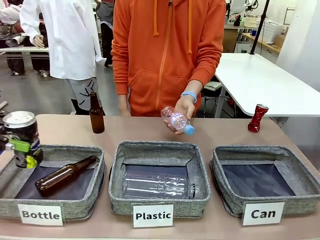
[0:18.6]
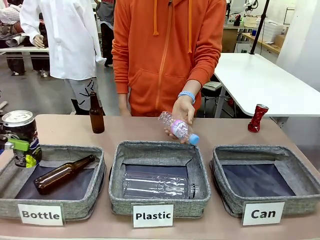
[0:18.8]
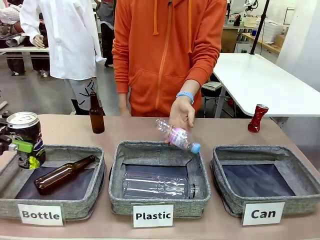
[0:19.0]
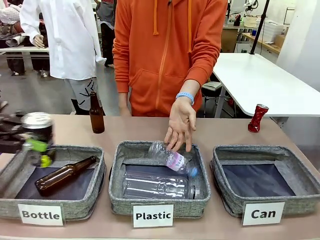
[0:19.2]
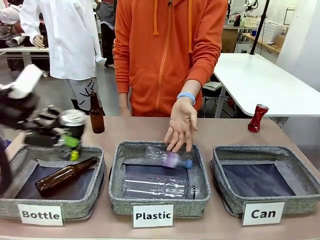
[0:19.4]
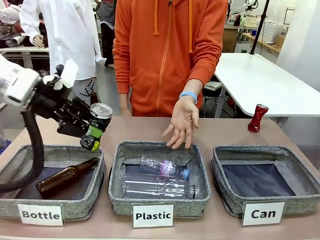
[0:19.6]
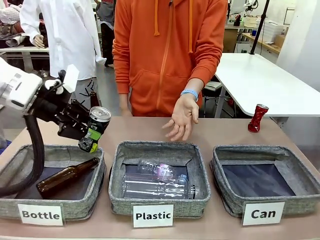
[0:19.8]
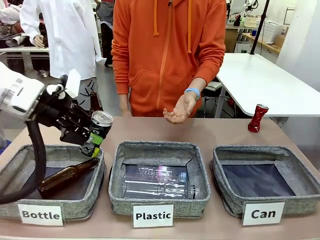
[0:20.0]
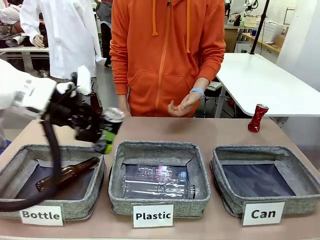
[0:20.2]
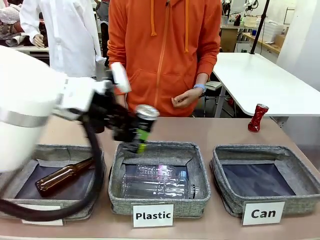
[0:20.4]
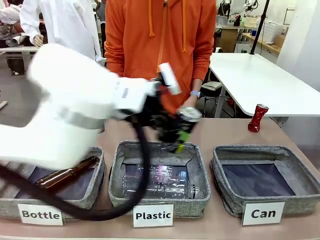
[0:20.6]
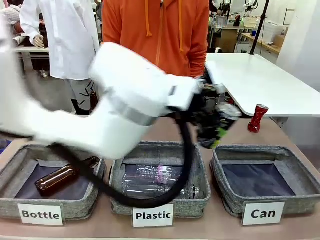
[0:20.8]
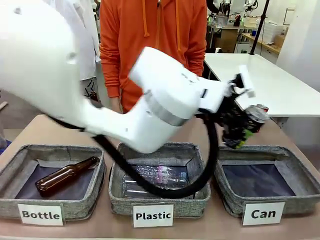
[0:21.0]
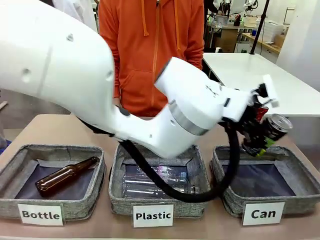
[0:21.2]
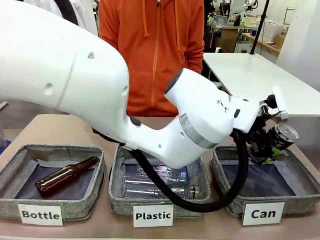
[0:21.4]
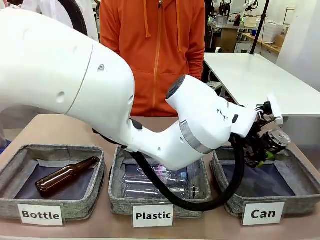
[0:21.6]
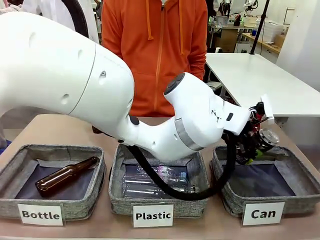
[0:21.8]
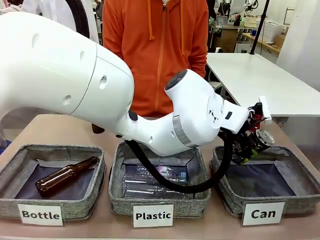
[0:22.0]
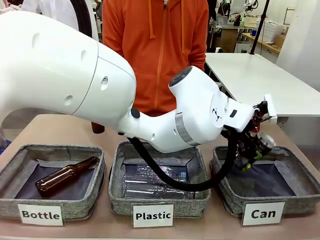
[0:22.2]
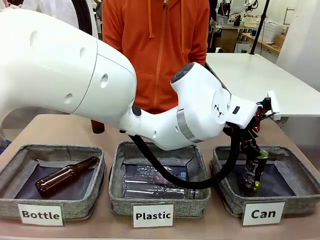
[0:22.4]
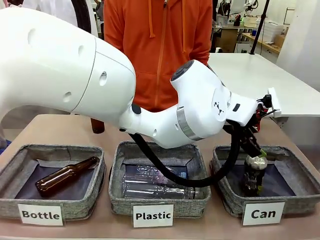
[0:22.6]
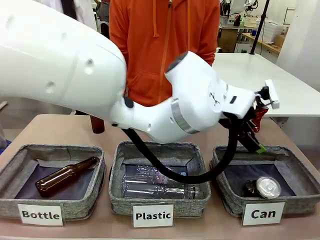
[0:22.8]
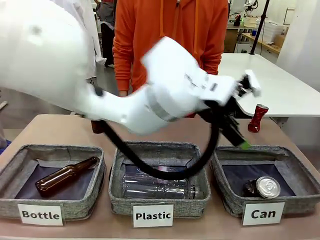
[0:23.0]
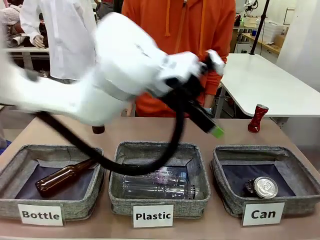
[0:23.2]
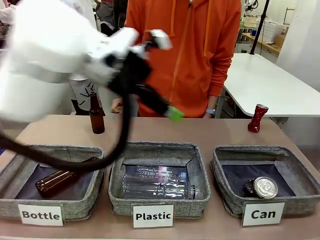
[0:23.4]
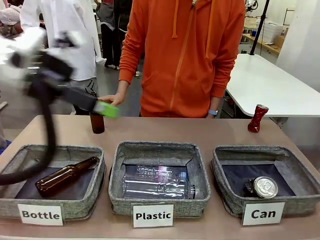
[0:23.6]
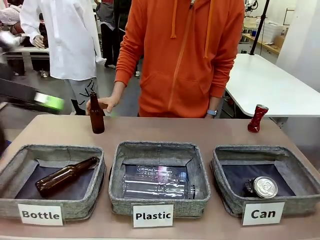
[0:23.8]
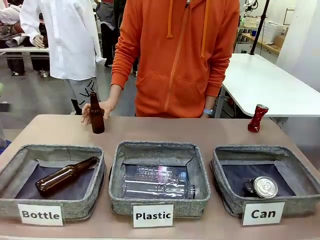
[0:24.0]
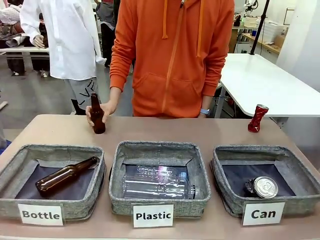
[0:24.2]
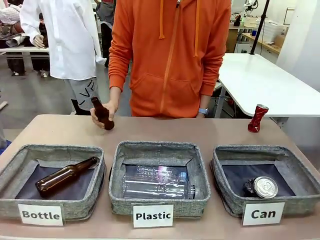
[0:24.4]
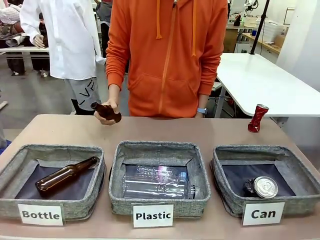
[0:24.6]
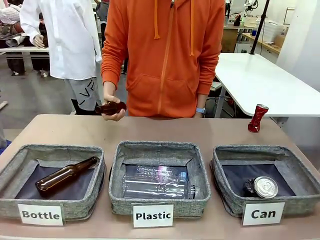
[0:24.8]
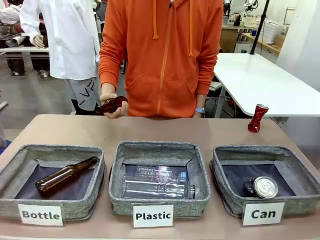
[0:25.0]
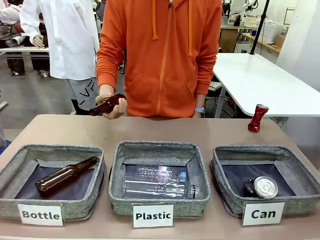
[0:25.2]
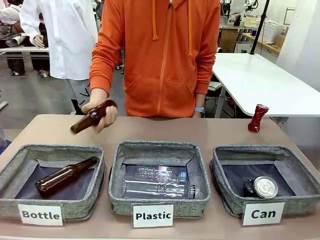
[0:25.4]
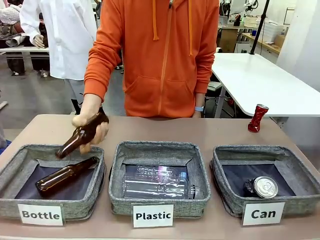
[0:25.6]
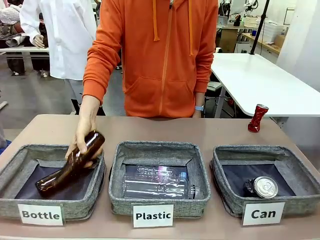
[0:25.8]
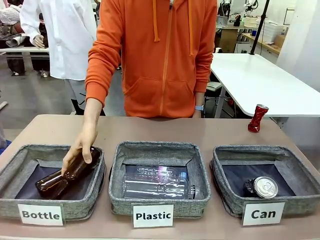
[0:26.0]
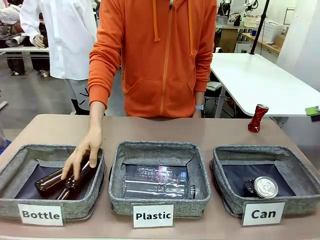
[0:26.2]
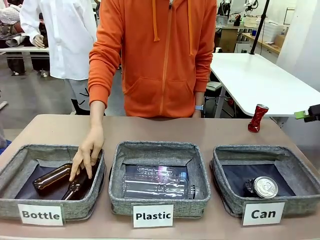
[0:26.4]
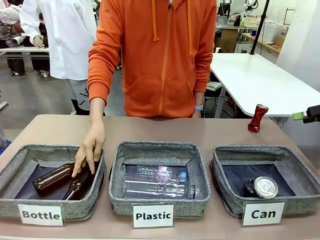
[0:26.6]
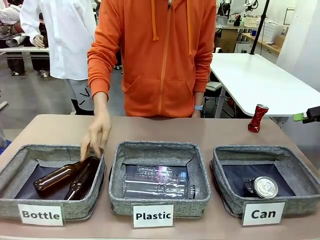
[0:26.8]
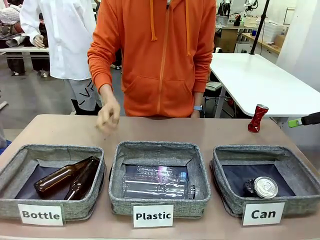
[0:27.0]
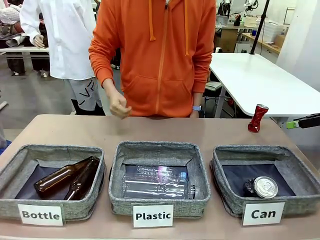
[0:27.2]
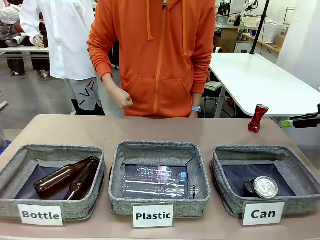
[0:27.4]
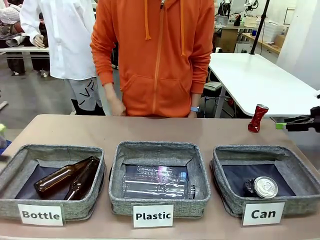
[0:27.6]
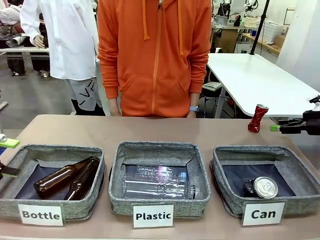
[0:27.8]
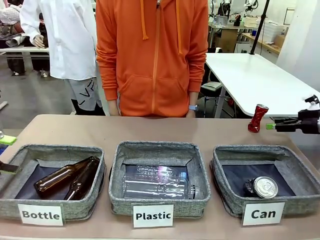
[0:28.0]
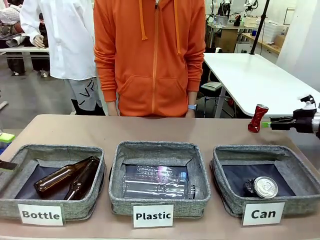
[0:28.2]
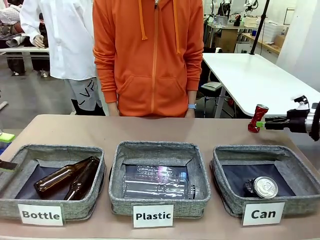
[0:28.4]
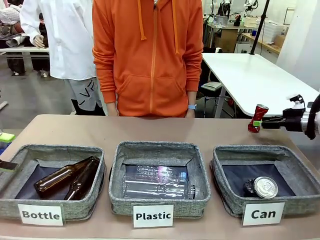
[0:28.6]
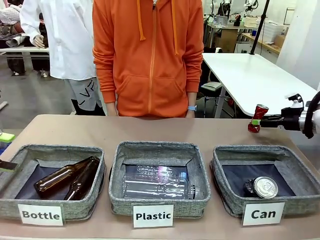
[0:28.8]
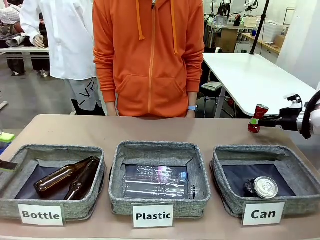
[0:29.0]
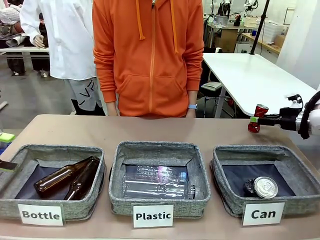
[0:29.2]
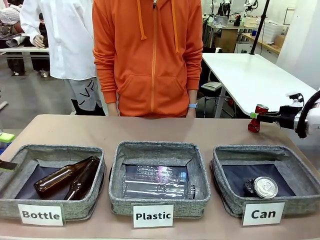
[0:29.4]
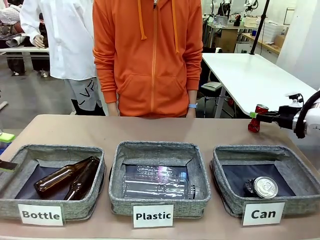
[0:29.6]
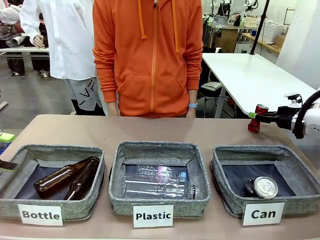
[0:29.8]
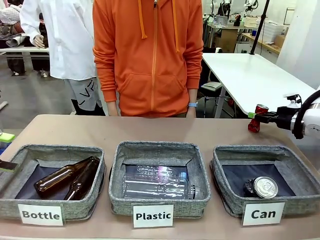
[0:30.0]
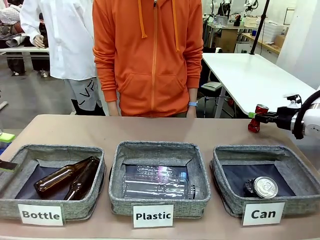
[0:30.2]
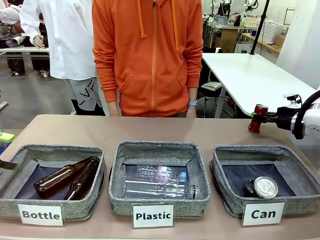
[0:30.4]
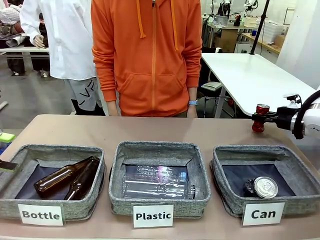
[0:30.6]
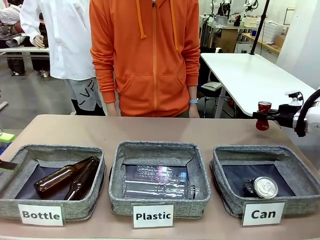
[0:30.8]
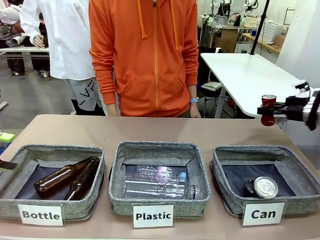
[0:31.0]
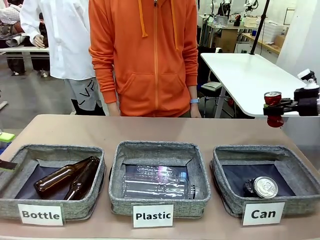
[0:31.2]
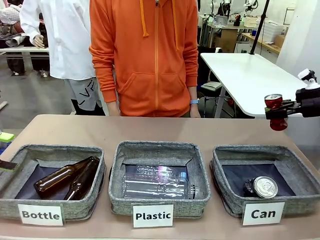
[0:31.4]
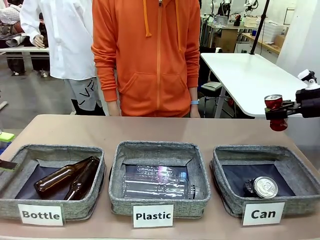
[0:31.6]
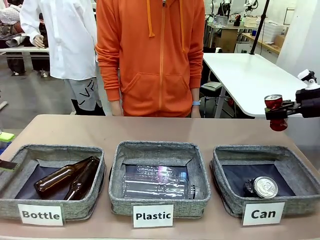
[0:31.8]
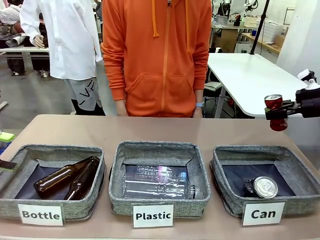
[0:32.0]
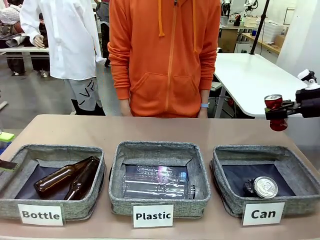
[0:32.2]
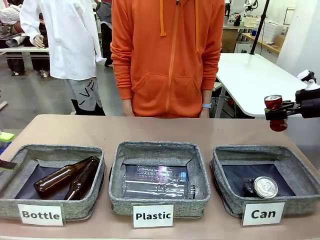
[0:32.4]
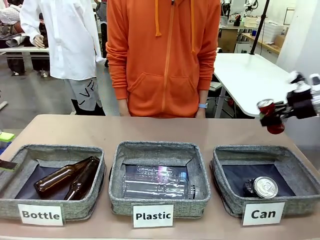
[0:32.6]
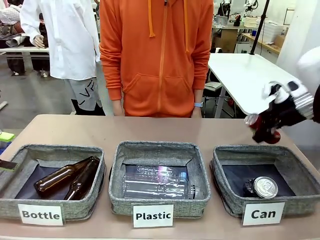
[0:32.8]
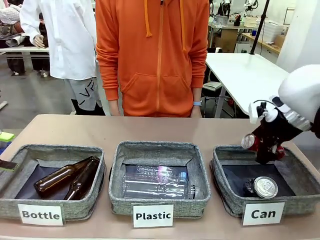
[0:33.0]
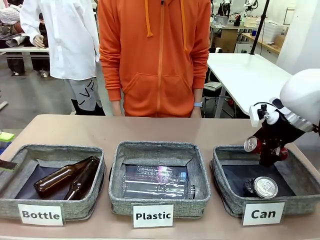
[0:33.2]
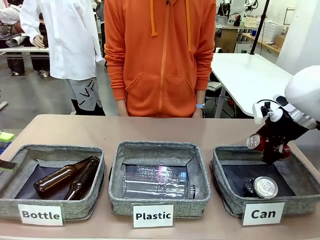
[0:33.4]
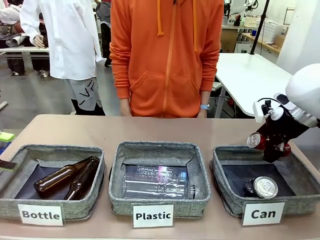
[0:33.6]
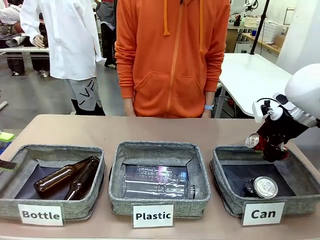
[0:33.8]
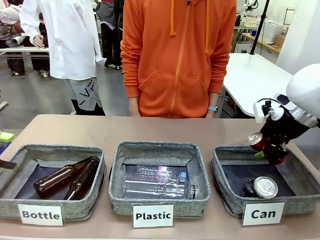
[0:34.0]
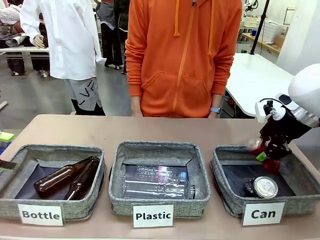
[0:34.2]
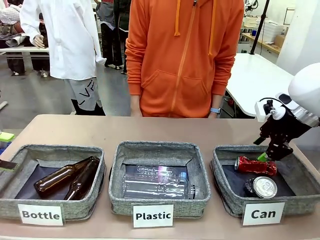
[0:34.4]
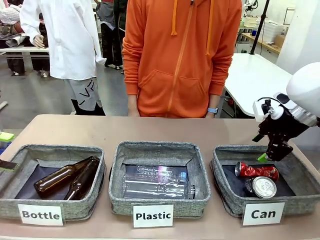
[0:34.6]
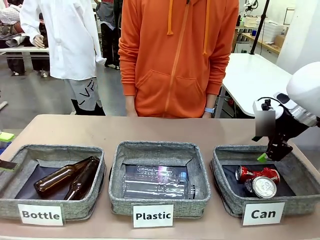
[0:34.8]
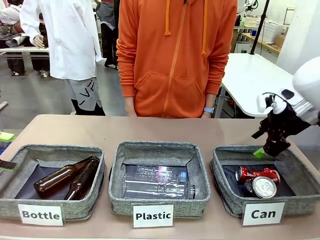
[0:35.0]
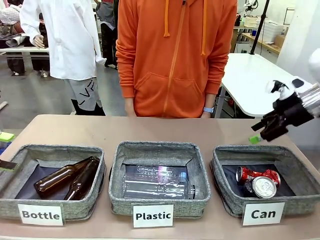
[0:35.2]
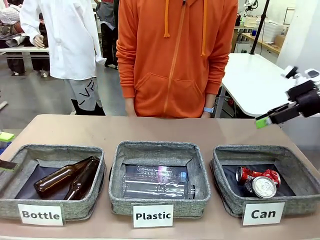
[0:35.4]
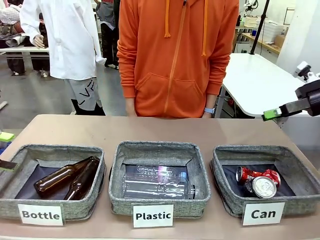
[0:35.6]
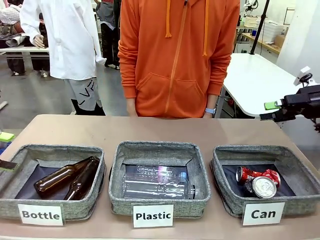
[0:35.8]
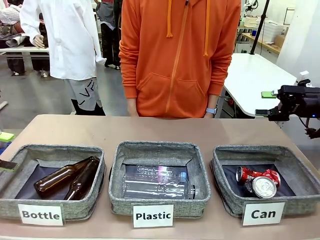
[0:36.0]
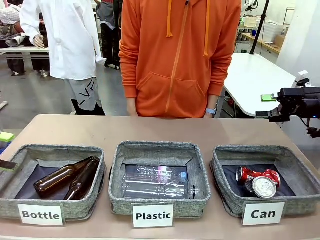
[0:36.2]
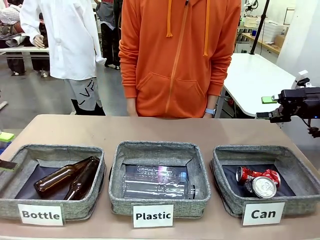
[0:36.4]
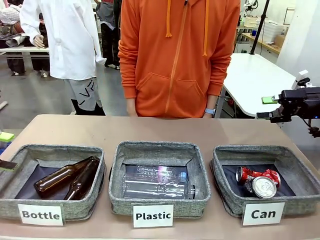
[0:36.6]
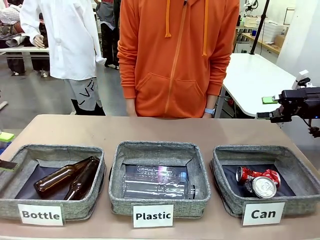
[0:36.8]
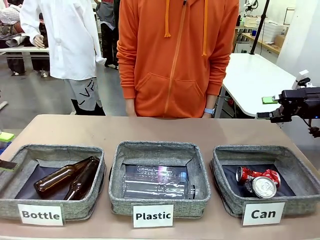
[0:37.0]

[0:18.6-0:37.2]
Task: Sort the can waste into the basket.
Robot: Pick up the can waste from the table and place it in the right Fabric basket.
